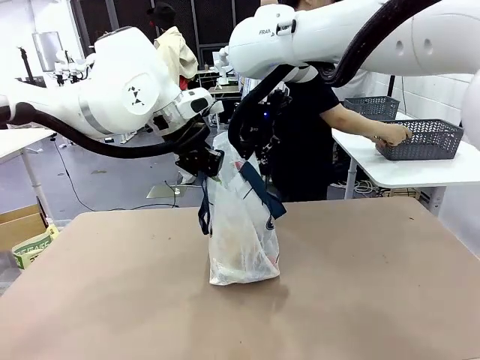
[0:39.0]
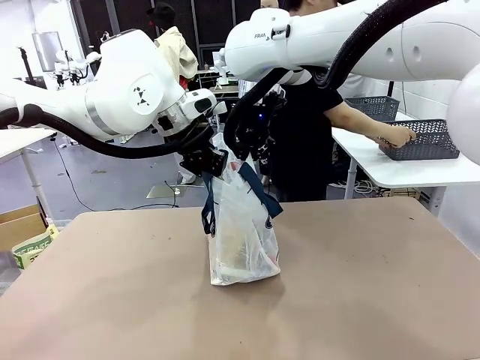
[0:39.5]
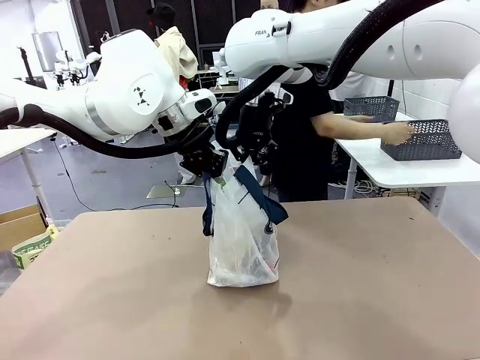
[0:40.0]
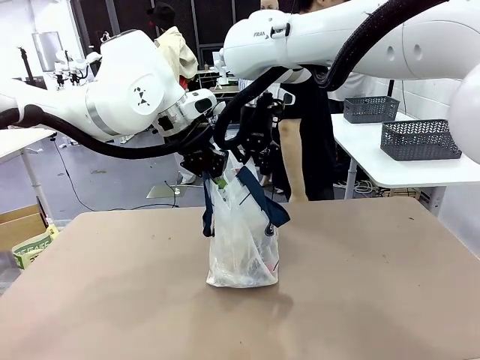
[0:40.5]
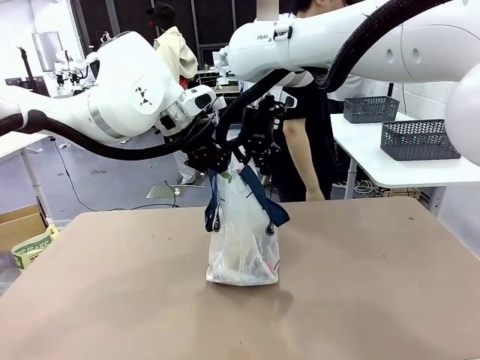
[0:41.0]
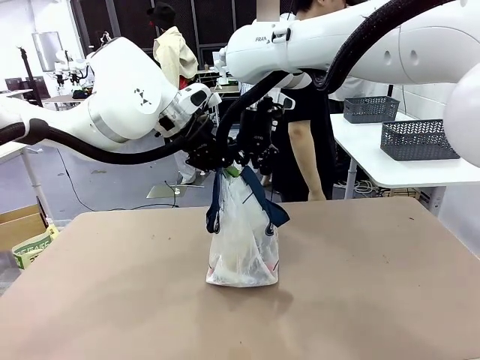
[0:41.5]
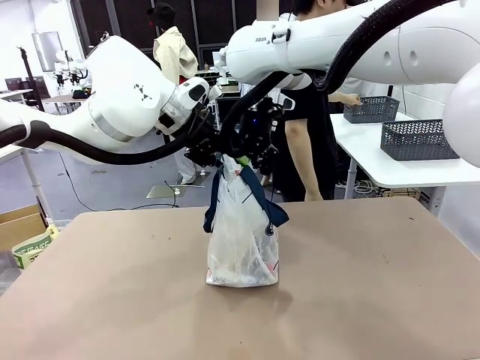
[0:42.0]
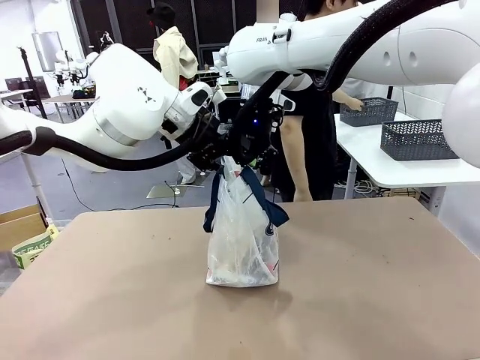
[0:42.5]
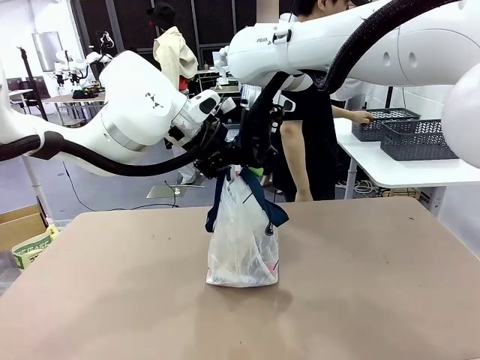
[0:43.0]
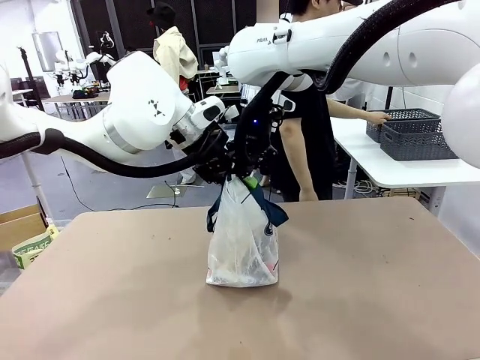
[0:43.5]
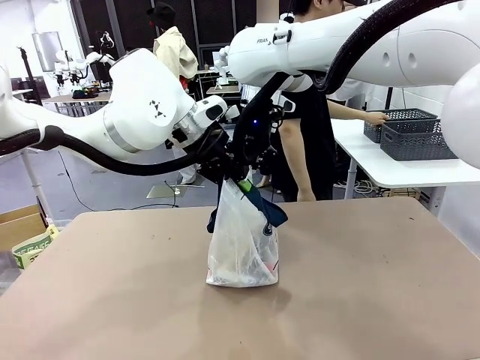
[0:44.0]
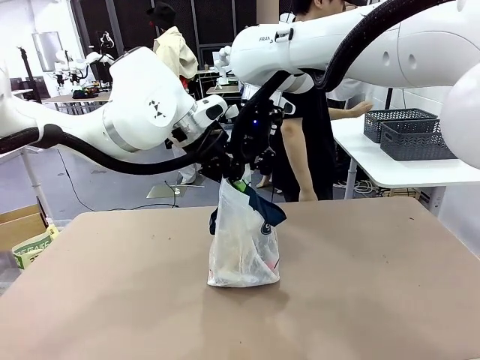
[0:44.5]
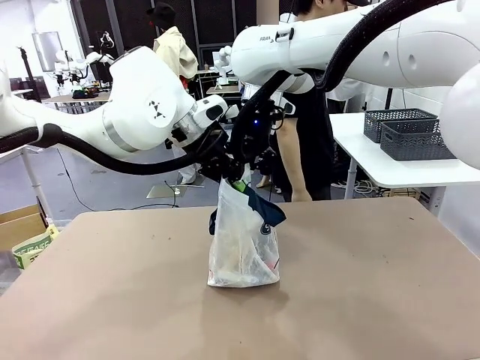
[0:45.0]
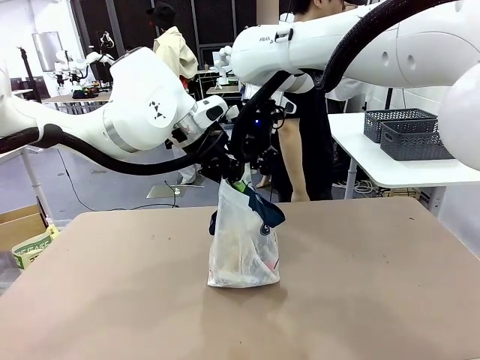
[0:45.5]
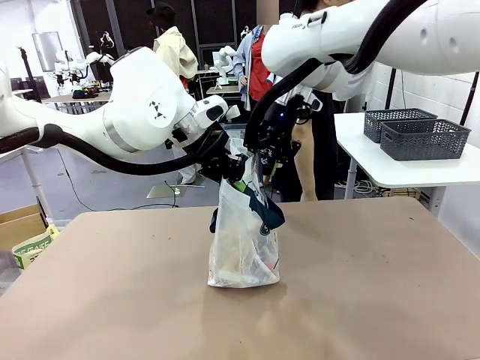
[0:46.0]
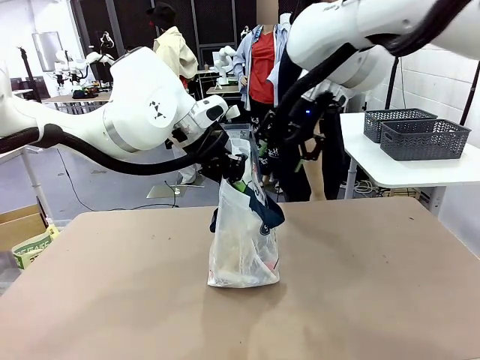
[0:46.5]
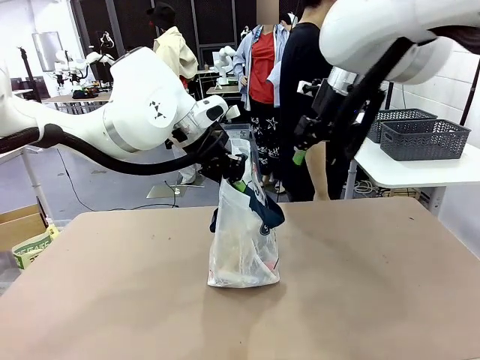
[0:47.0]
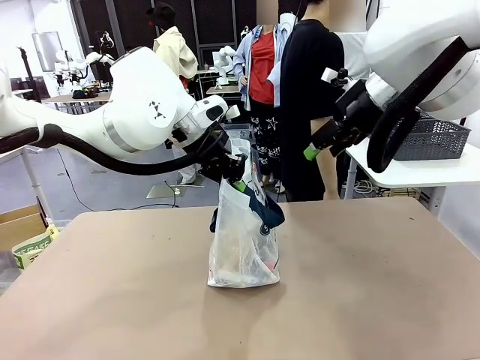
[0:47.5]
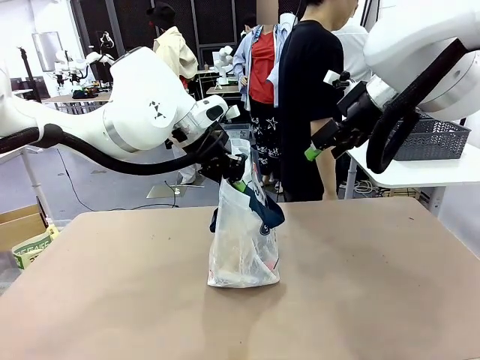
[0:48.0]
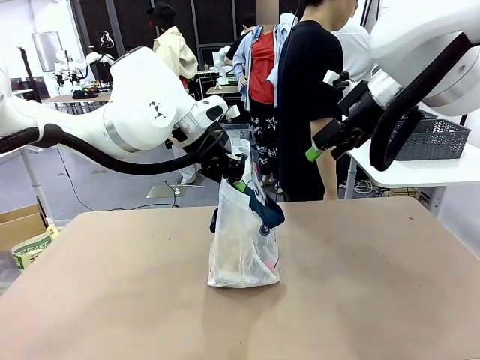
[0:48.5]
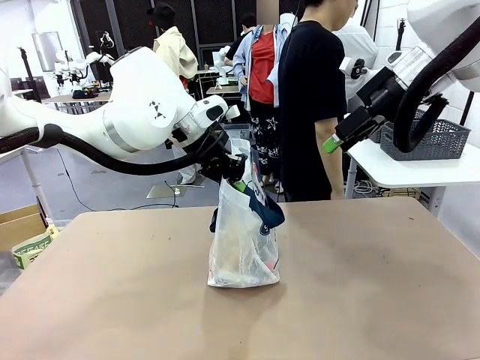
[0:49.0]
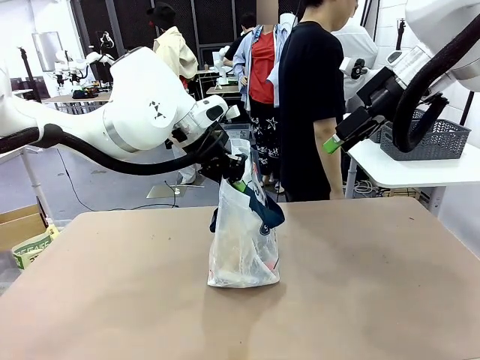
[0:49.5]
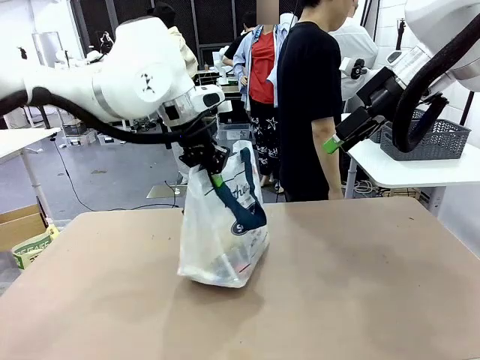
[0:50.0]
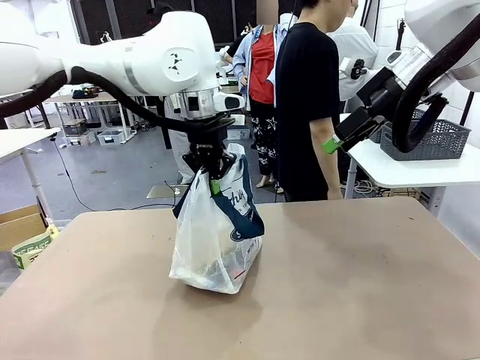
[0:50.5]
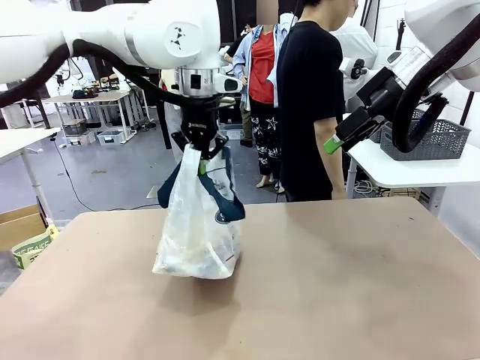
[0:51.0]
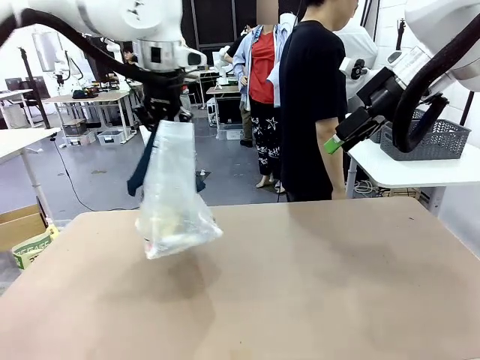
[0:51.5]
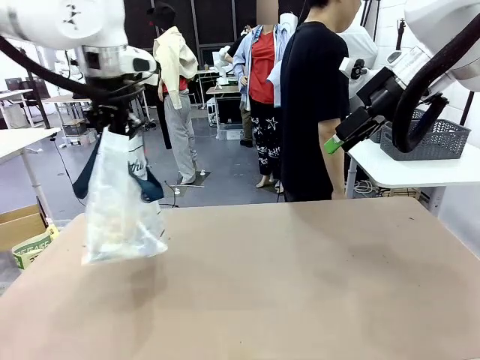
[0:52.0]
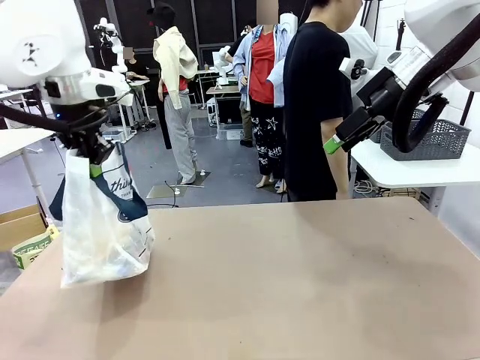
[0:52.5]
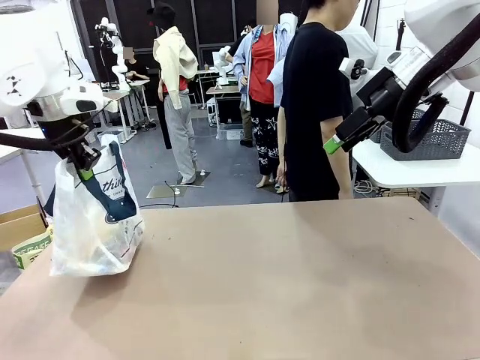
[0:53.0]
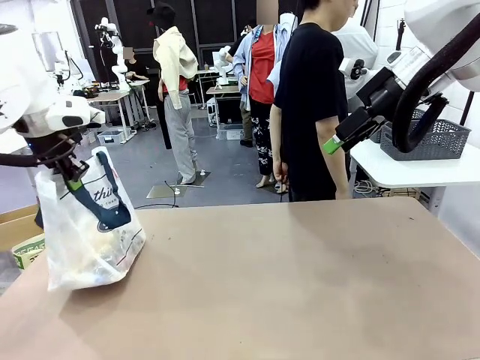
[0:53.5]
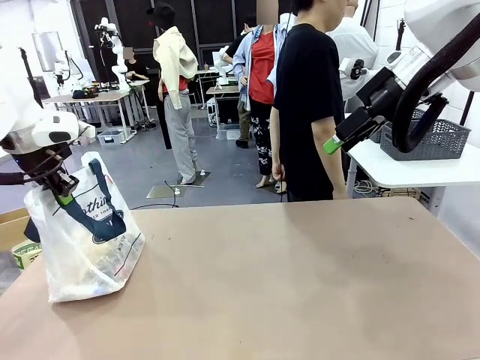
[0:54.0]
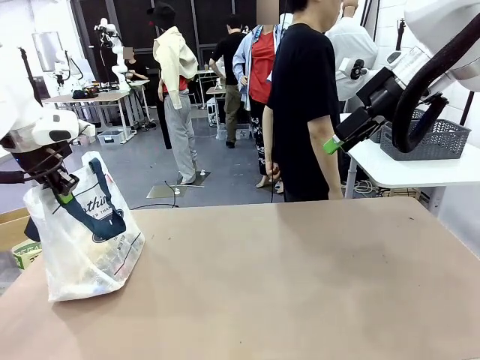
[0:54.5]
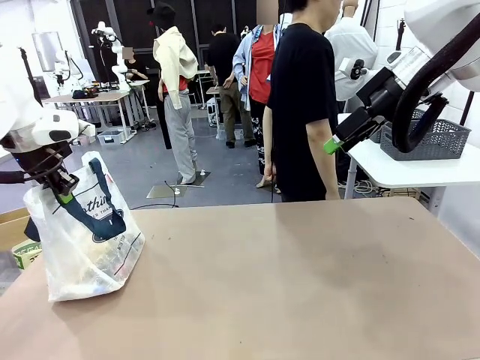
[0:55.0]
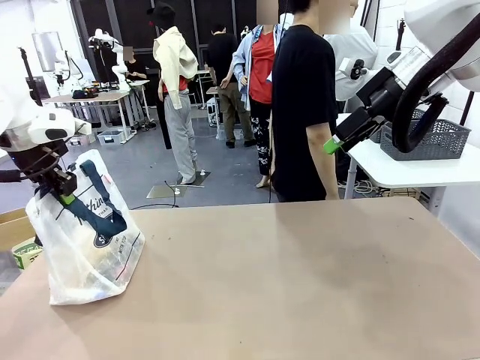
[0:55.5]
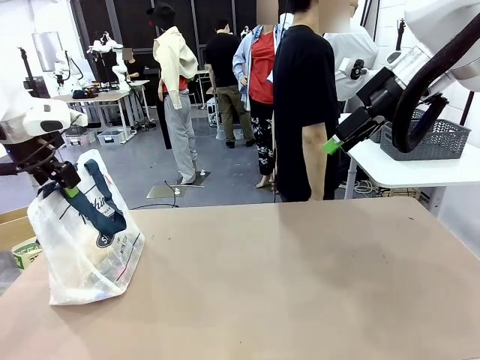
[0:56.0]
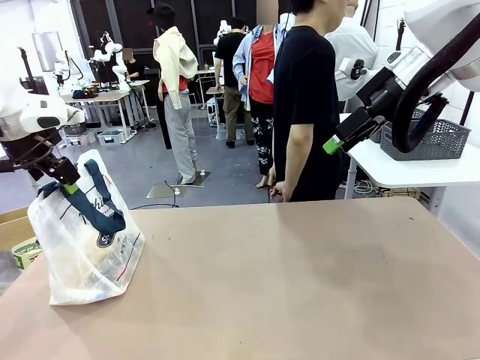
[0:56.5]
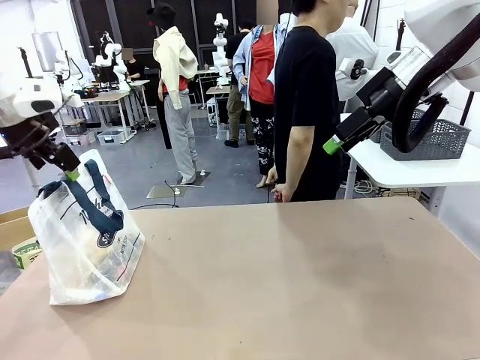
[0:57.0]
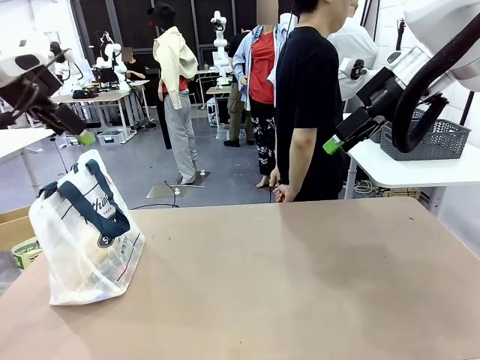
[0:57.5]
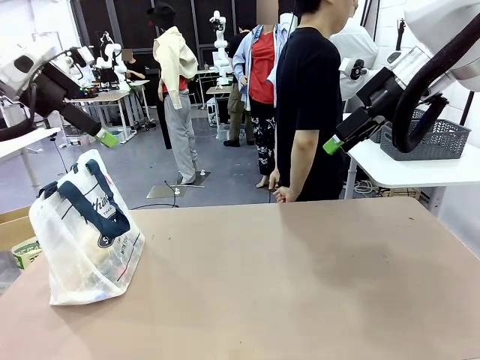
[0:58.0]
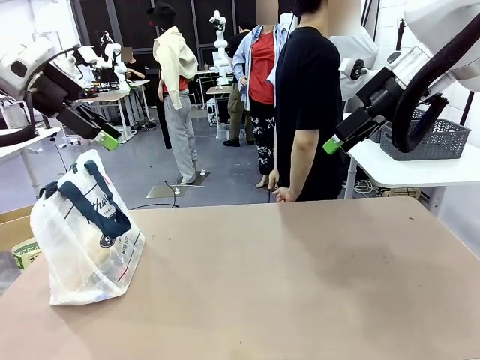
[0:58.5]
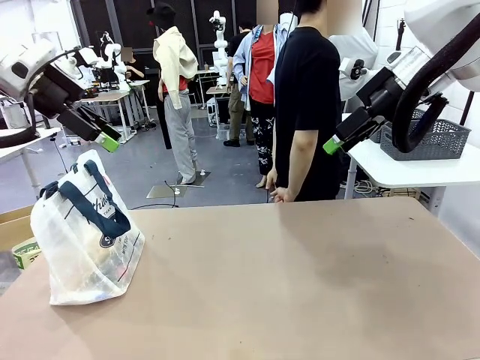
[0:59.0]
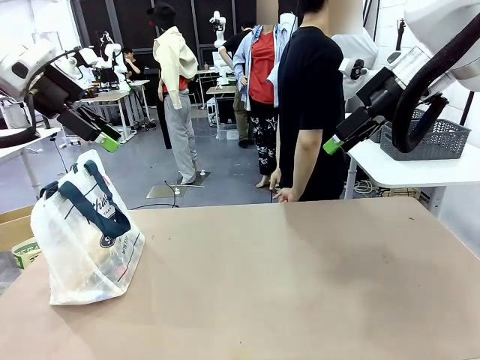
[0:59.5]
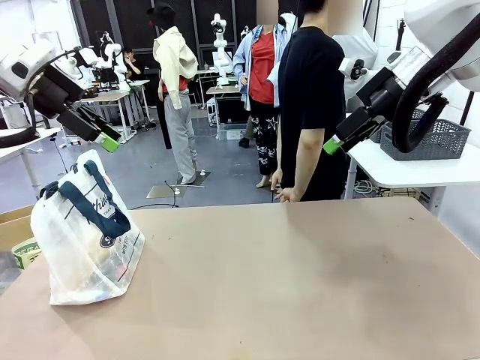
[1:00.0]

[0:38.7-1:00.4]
Task: Transfer purchased items from the store into the shopping bag.
Robot: Move the Reusable shopping bag to the right side of the table.
Person: Move the basket on the left to the middle of the person's table.

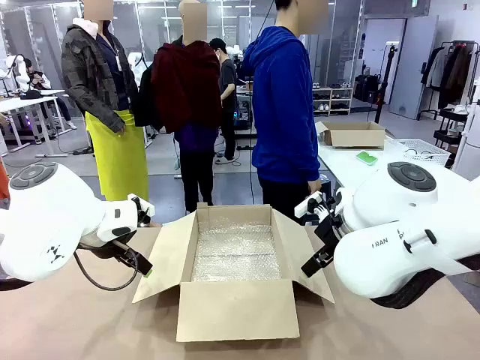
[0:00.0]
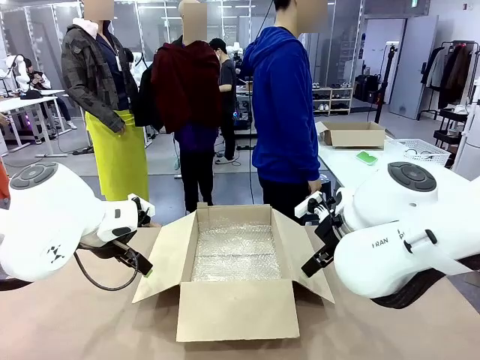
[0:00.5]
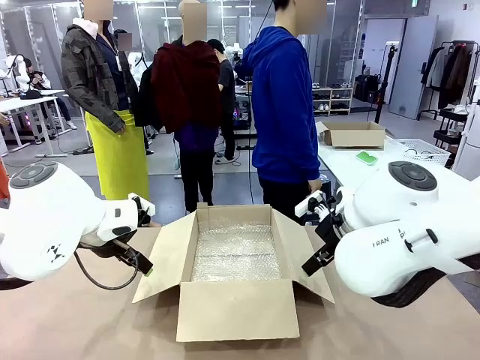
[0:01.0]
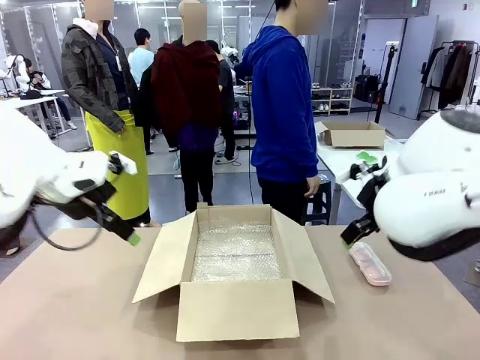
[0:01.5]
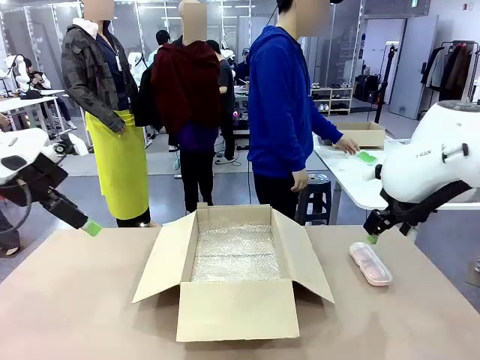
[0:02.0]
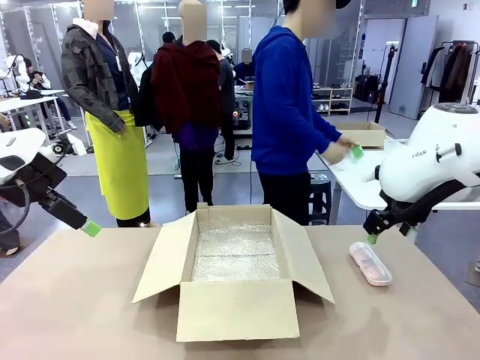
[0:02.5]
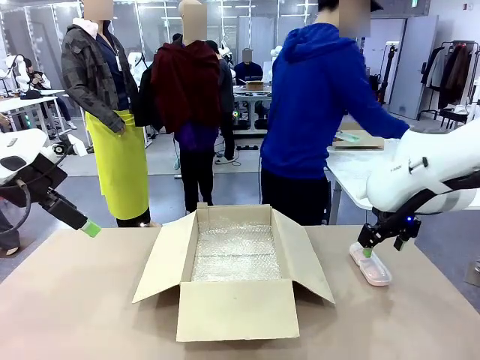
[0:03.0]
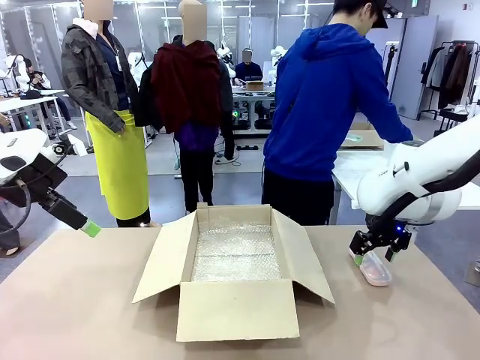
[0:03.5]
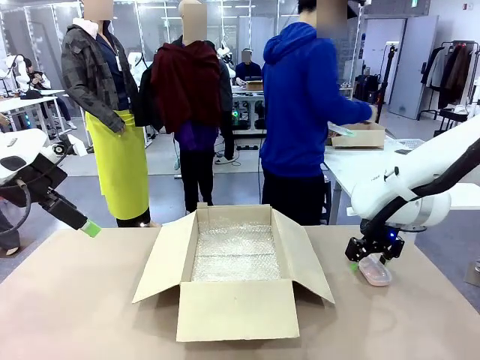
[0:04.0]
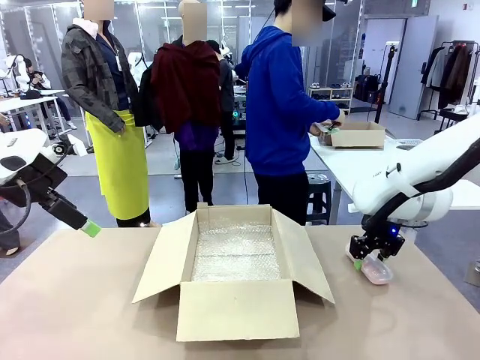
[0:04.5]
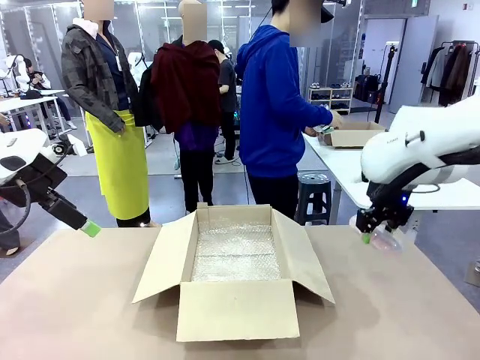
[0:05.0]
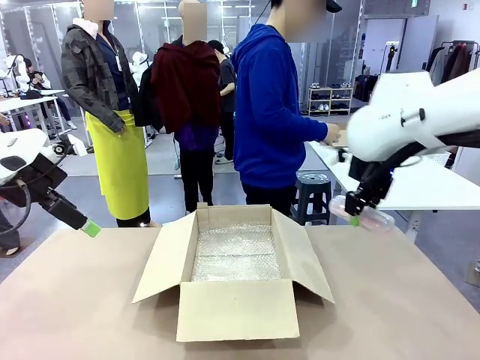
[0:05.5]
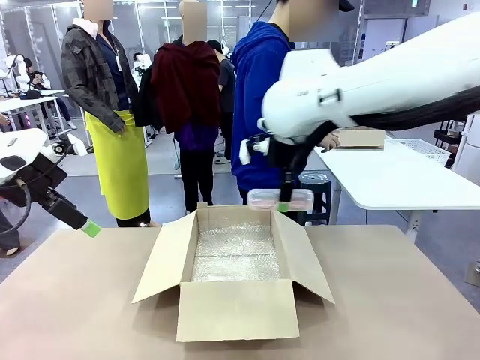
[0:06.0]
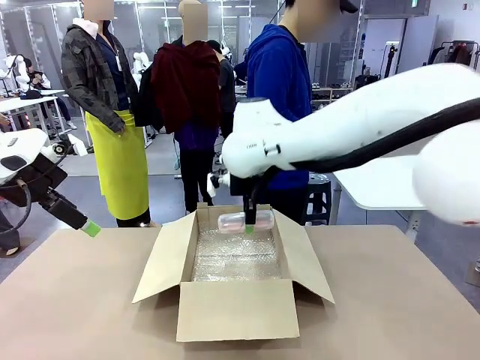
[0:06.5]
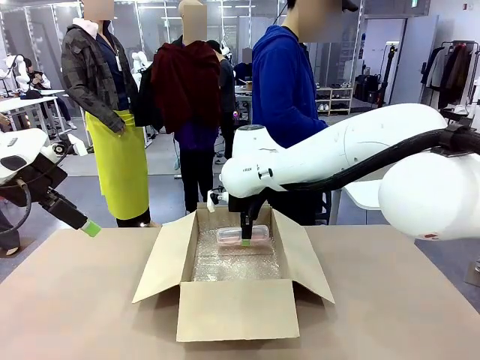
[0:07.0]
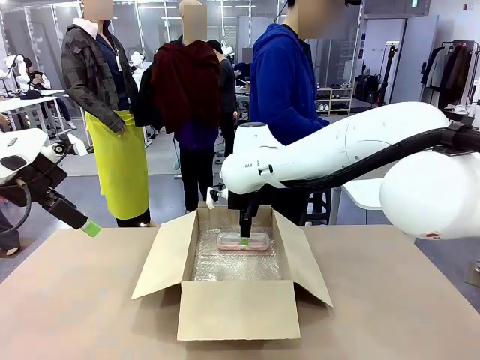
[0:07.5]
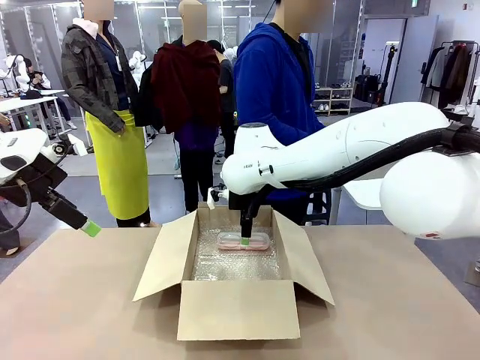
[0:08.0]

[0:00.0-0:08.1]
Task: Pack the glasses set securely to prepare it for shipping.
Robot: Place the Glasses case inside the Package Box.
Person: Place the Glasses inside the Glasses case.
